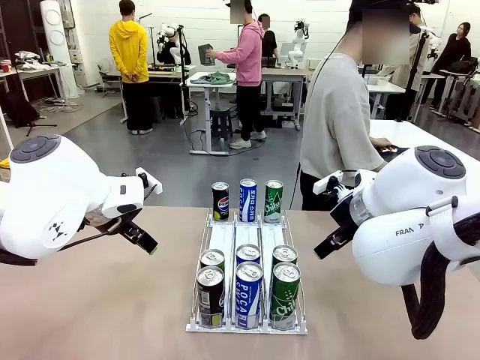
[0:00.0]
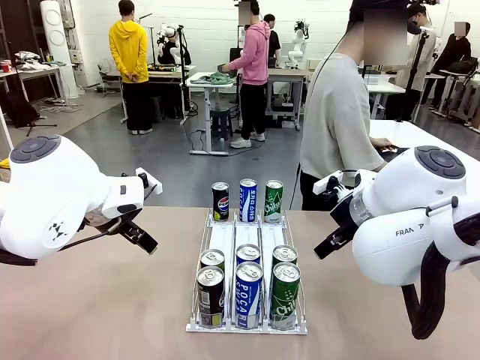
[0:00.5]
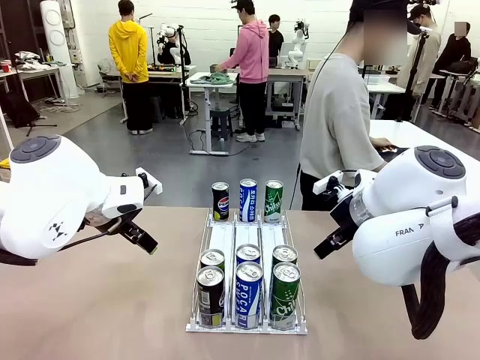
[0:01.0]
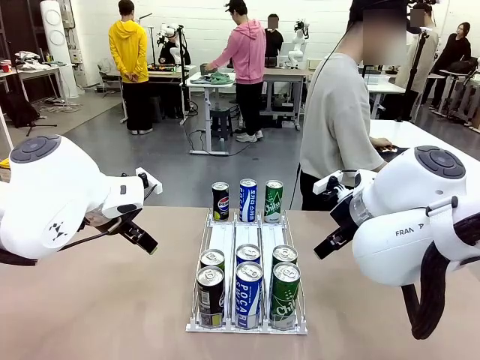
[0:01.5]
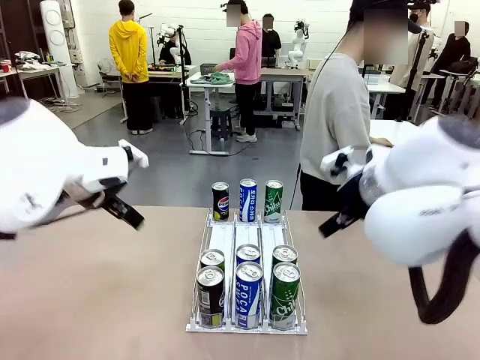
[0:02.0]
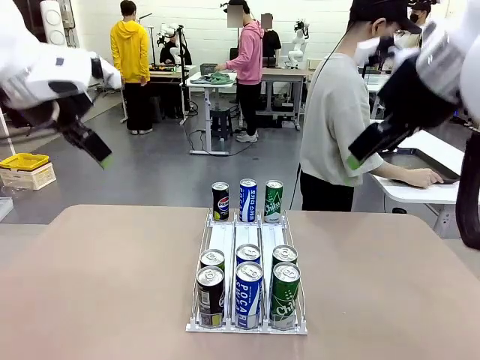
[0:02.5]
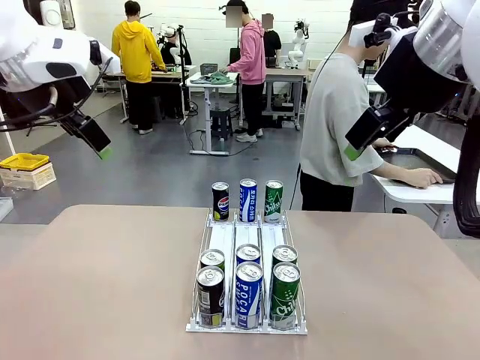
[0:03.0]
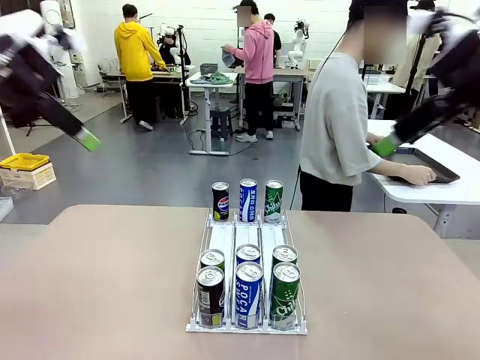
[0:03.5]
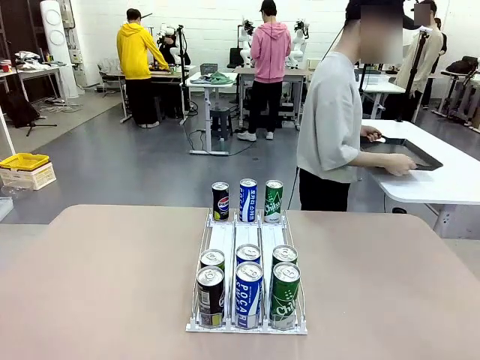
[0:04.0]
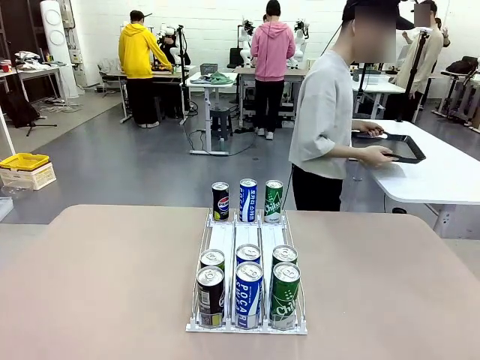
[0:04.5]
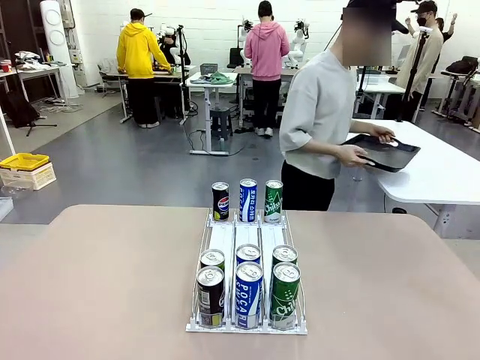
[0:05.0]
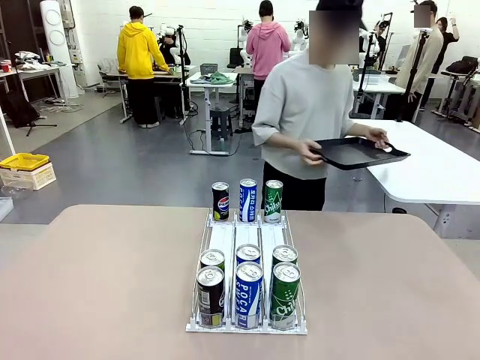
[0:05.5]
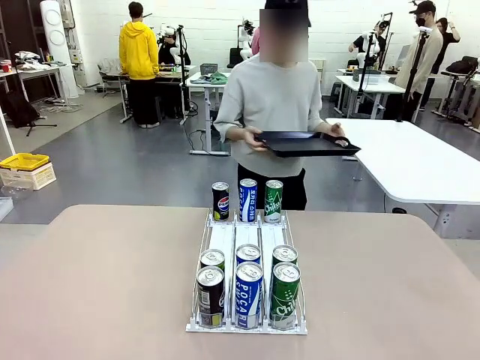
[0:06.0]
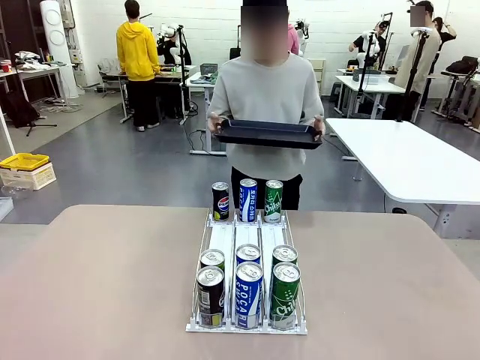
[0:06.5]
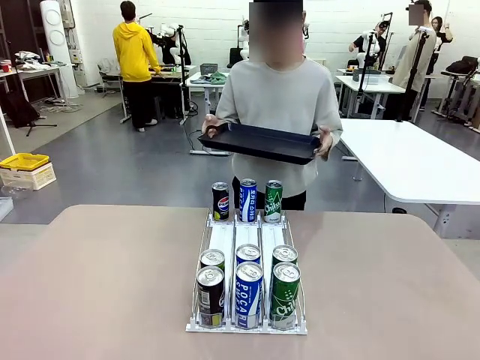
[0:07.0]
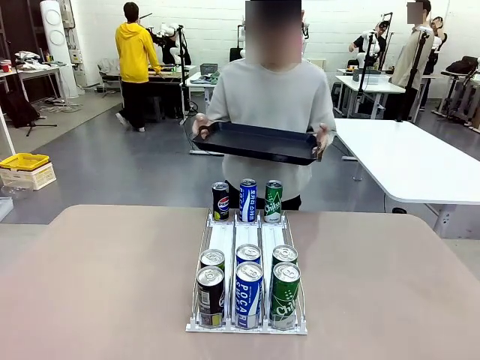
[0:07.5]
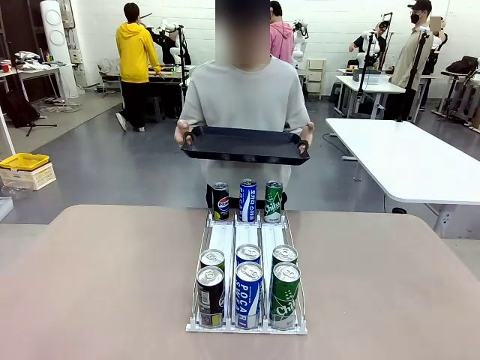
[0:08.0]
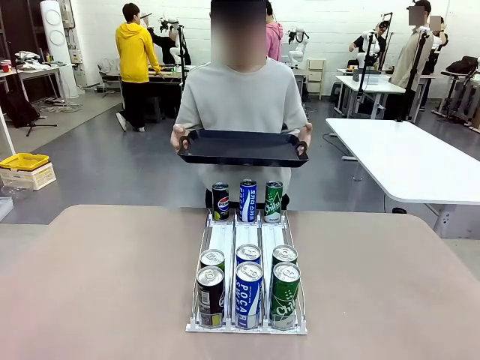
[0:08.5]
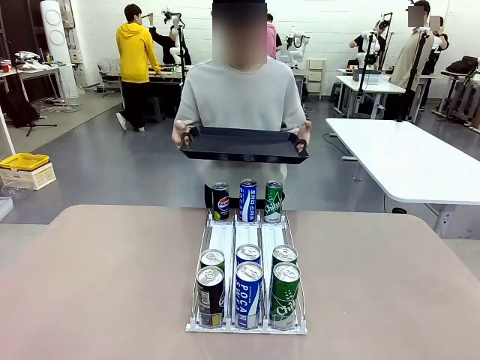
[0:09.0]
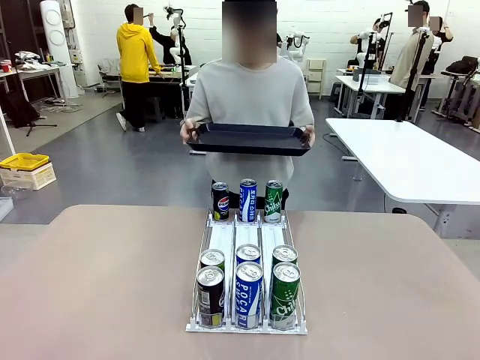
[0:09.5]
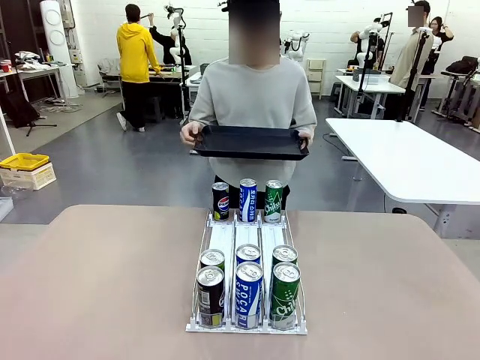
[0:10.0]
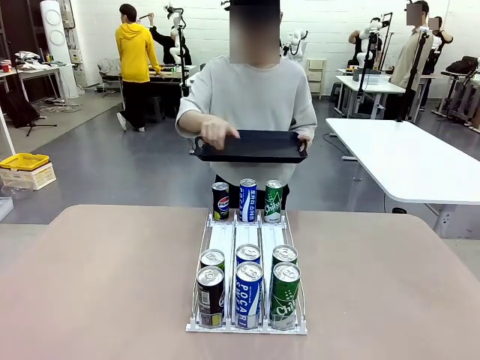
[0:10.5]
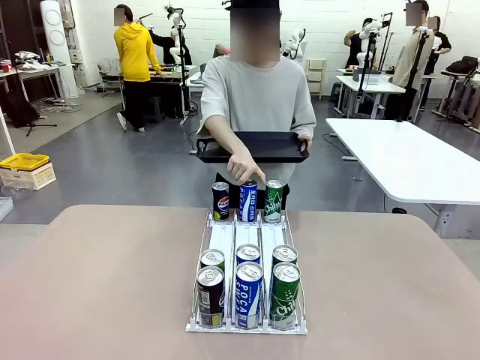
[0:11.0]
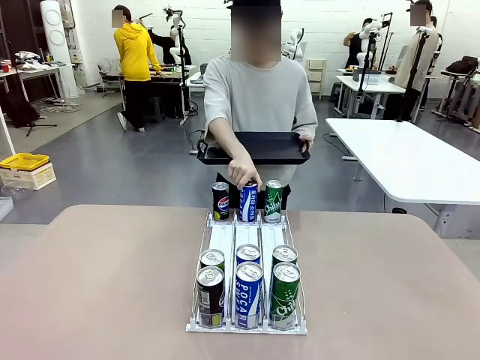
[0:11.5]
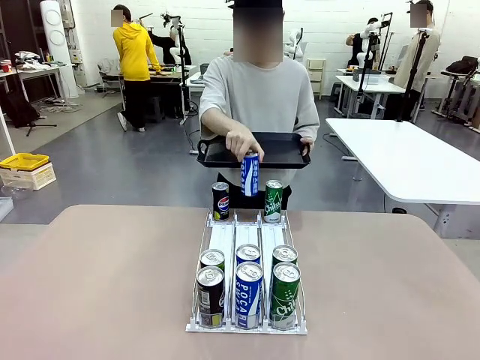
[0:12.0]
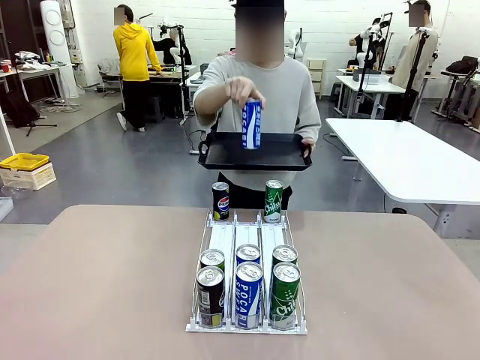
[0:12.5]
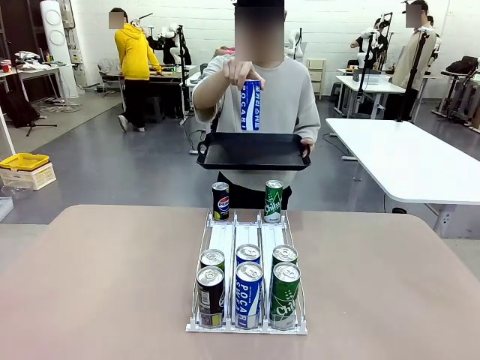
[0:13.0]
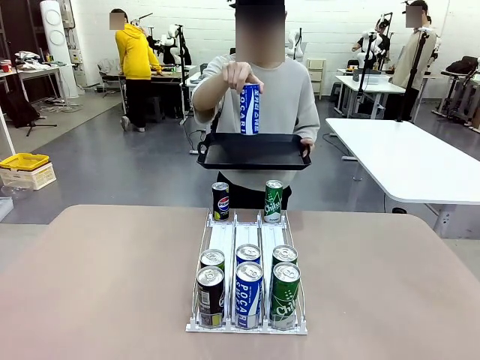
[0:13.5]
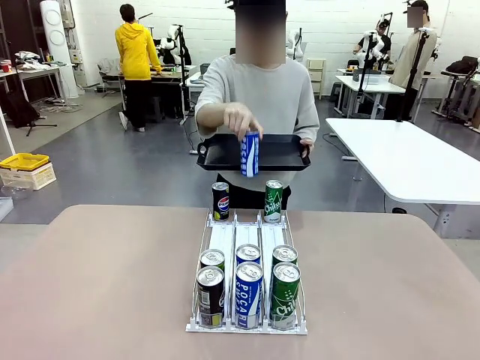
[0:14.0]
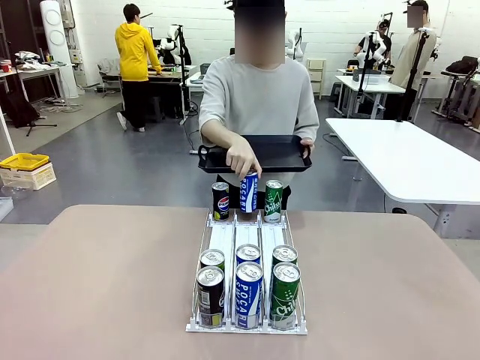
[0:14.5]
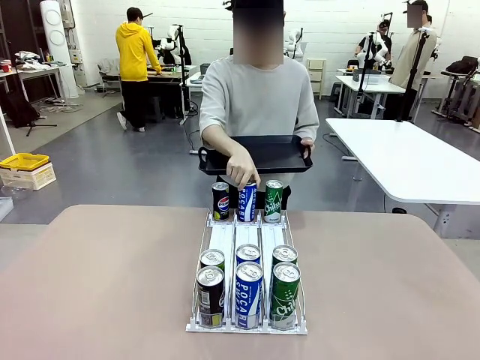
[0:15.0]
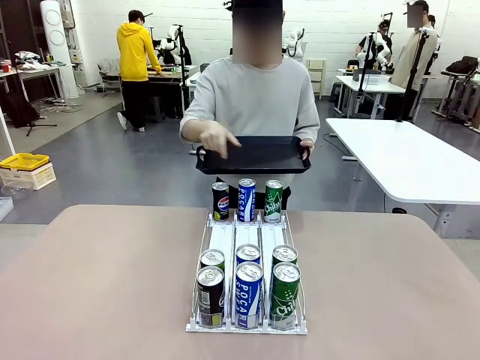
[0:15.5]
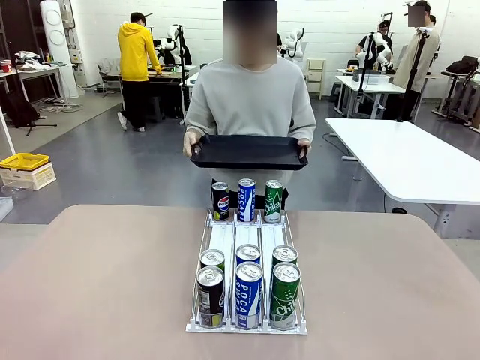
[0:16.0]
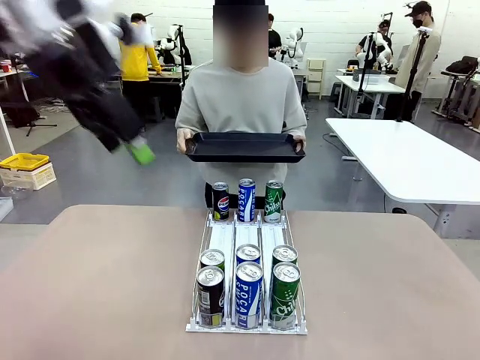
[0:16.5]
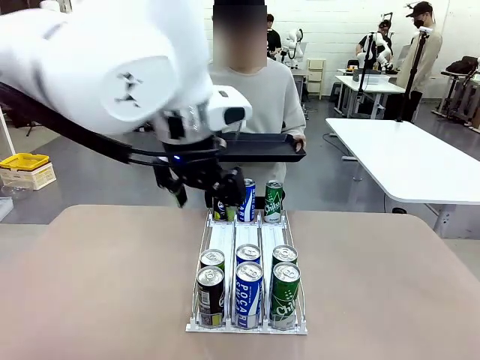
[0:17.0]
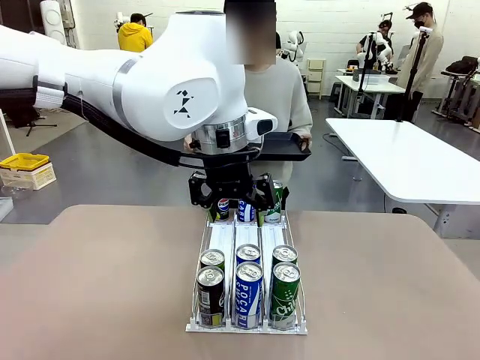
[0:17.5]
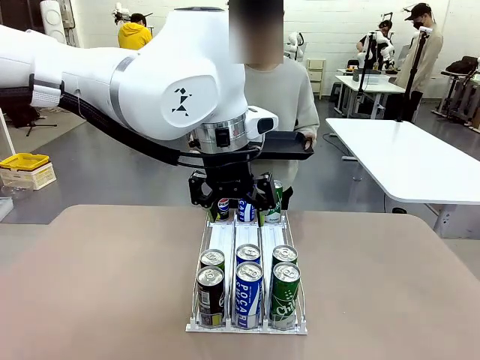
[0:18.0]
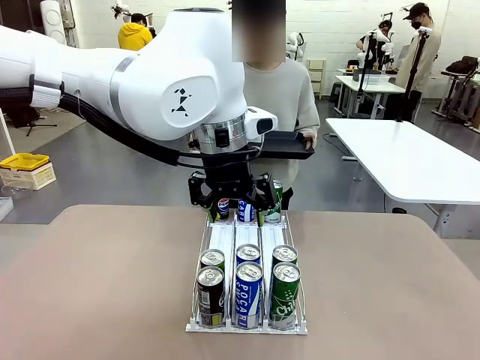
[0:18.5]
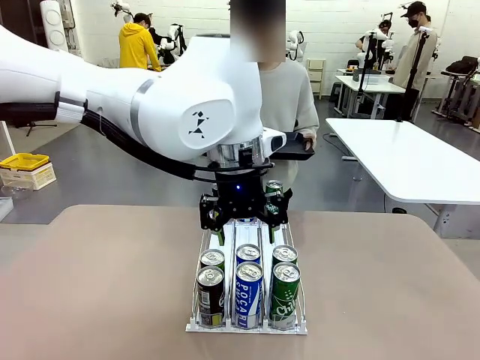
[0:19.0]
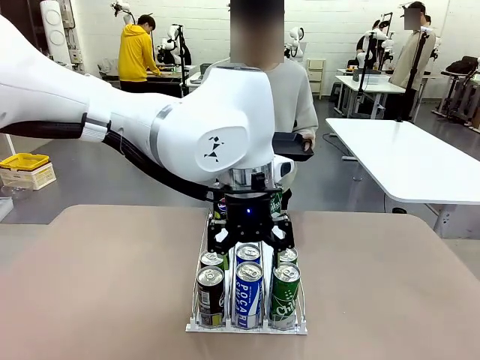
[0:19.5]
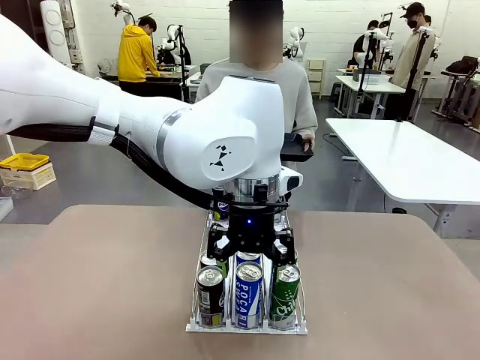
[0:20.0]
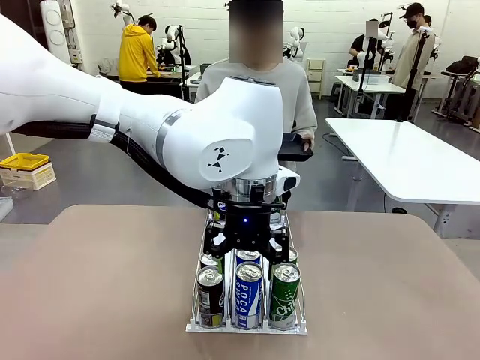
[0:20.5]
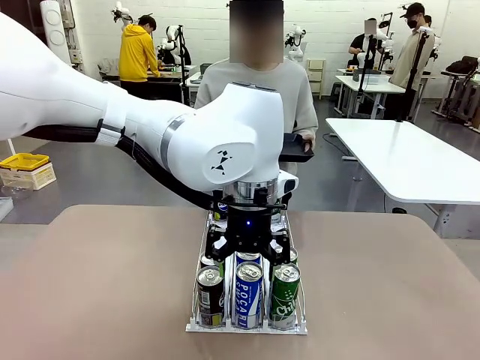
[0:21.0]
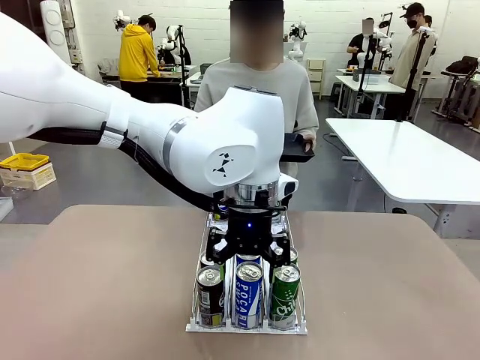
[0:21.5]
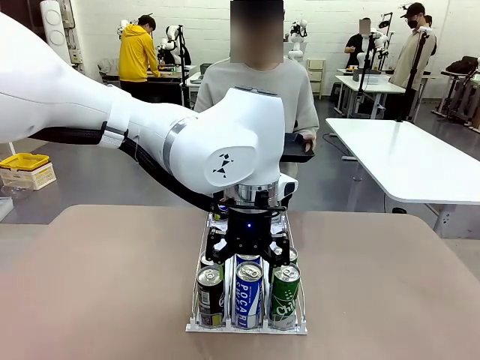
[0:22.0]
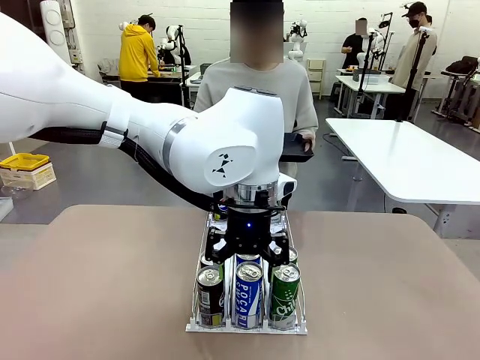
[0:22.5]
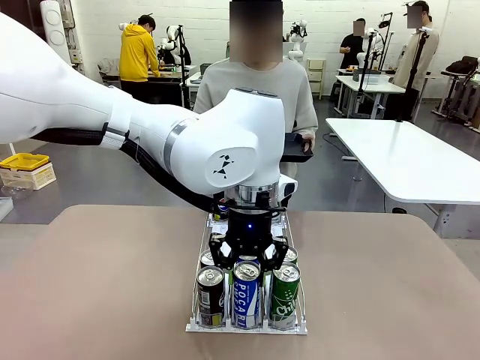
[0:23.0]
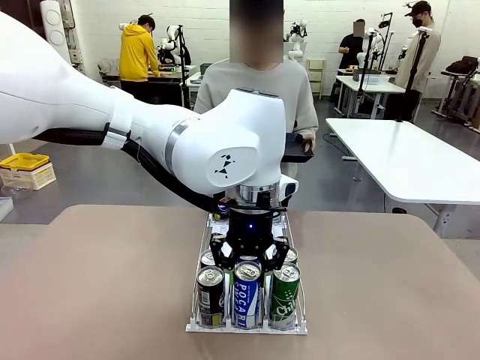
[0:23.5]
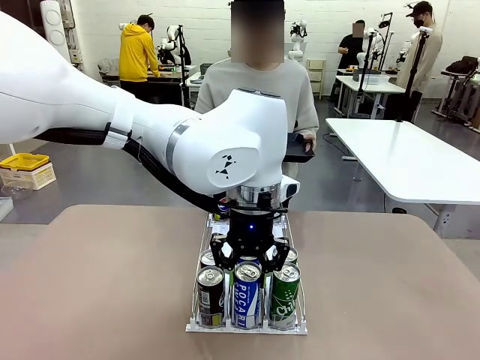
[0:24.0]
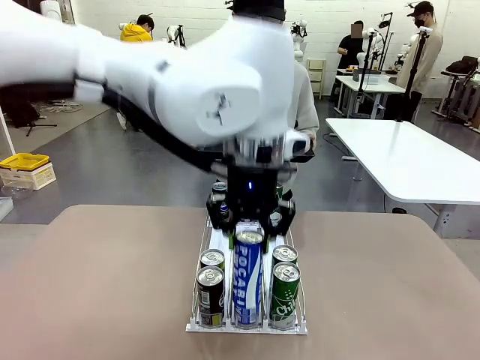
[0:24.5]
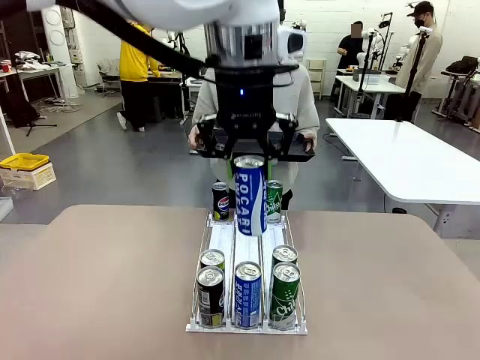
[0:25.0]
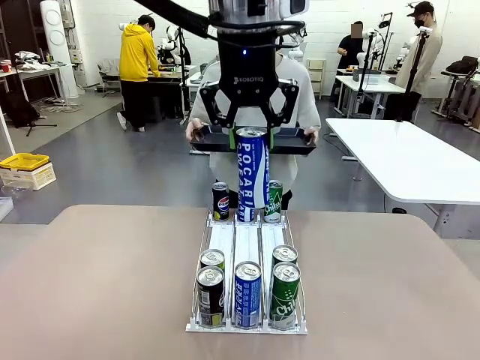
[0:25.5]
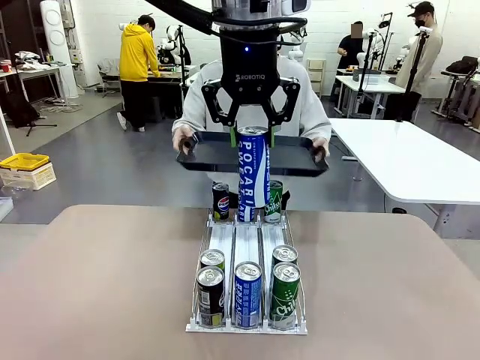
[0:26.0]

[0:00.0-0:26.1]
Task: Retrieve and hand over the desired beverage to the person.
Robot: Pick up a can of the same type that the person held from the Automatic Can Dispenser.
Person: Hold the tray and position yourself in front of the robot table. Pick up one can from the bottom area of the table and puts it back in its original place. Push the tray toward the robot.
